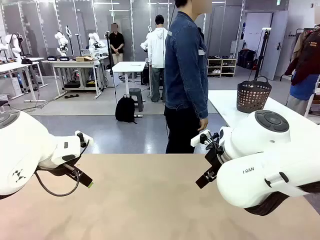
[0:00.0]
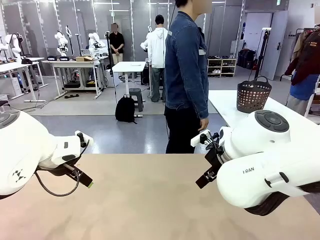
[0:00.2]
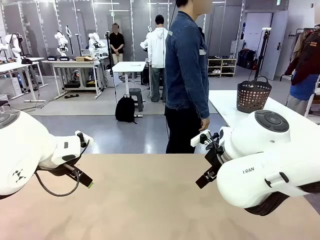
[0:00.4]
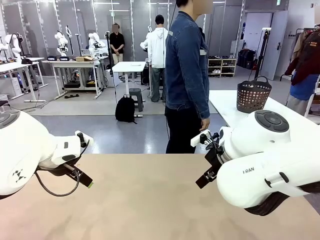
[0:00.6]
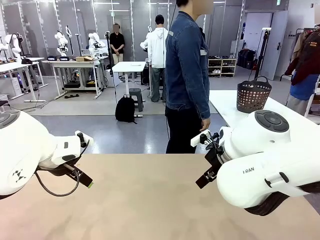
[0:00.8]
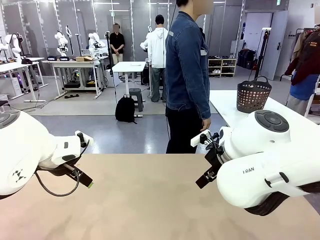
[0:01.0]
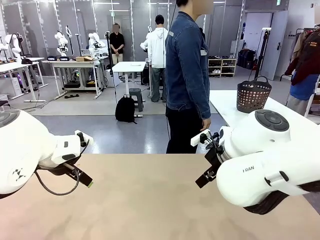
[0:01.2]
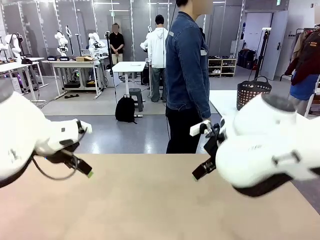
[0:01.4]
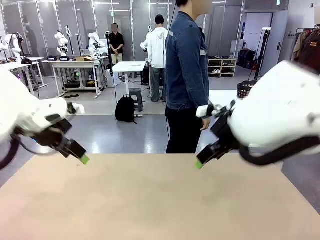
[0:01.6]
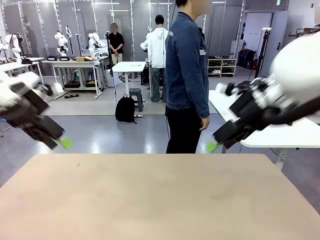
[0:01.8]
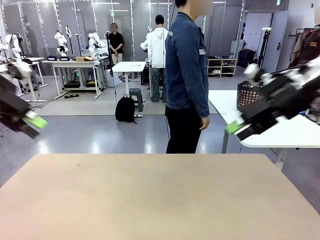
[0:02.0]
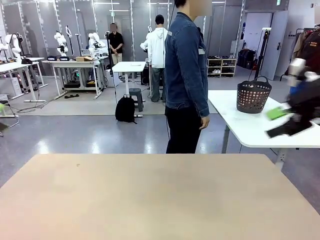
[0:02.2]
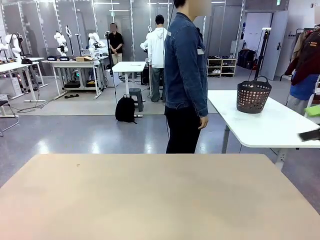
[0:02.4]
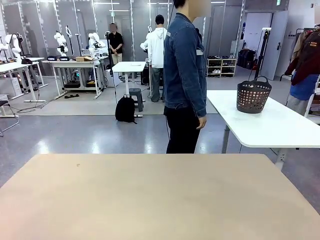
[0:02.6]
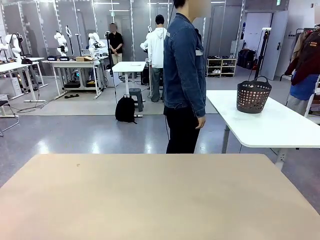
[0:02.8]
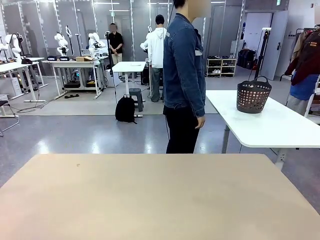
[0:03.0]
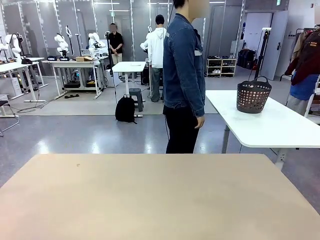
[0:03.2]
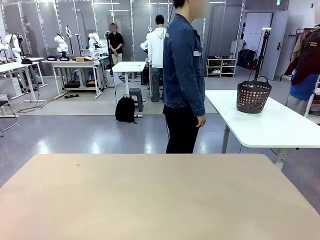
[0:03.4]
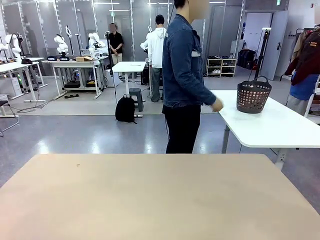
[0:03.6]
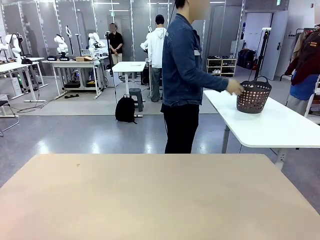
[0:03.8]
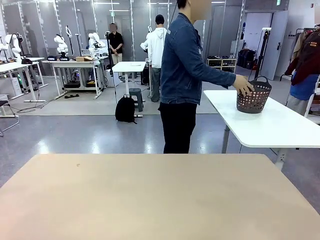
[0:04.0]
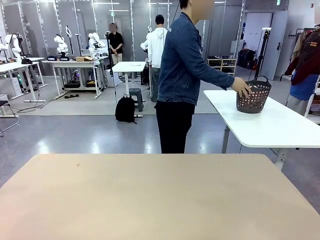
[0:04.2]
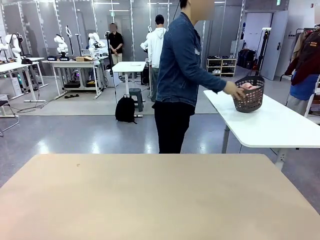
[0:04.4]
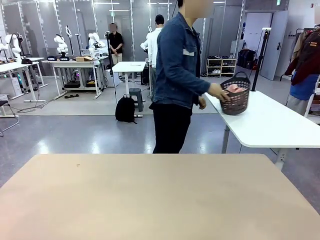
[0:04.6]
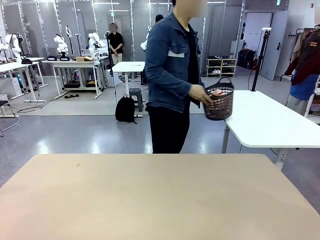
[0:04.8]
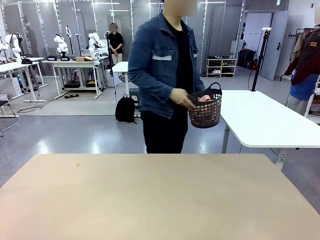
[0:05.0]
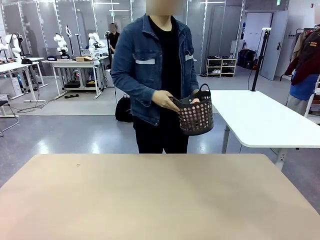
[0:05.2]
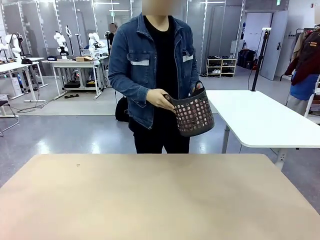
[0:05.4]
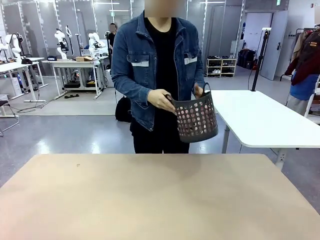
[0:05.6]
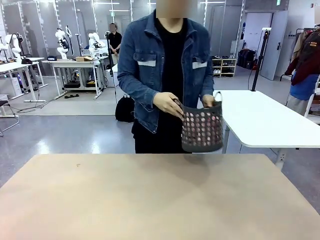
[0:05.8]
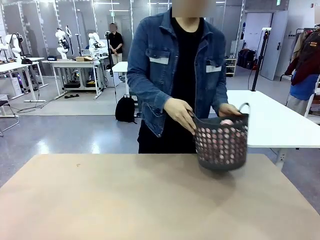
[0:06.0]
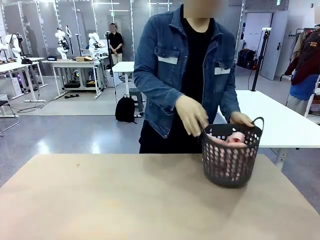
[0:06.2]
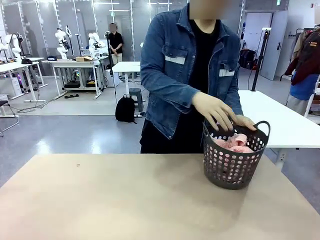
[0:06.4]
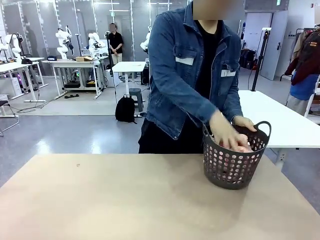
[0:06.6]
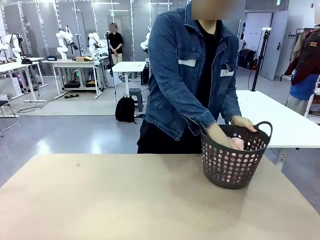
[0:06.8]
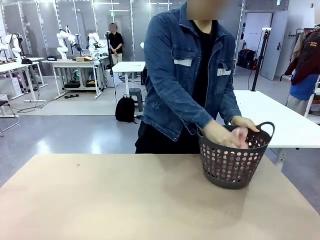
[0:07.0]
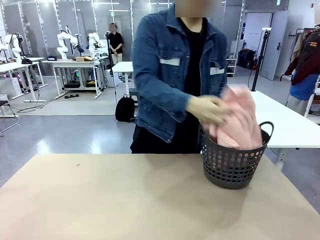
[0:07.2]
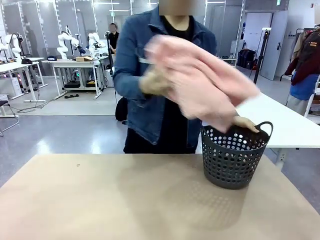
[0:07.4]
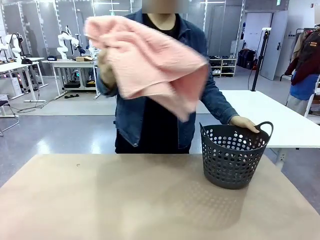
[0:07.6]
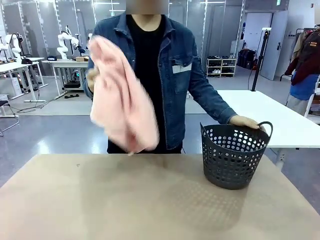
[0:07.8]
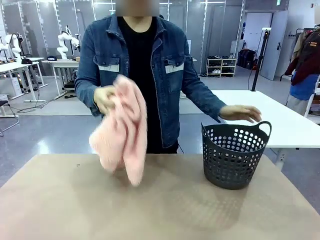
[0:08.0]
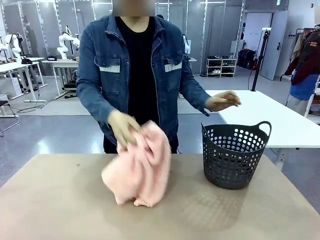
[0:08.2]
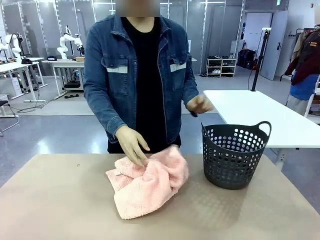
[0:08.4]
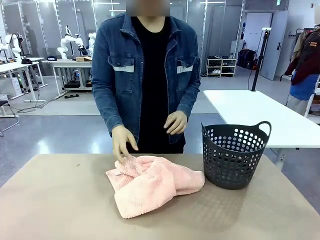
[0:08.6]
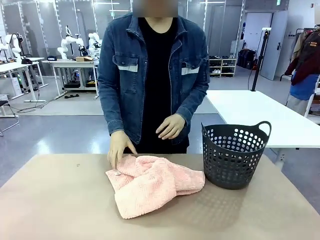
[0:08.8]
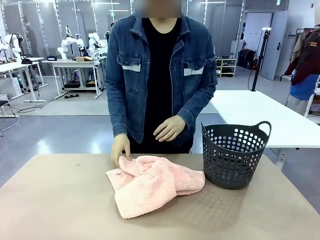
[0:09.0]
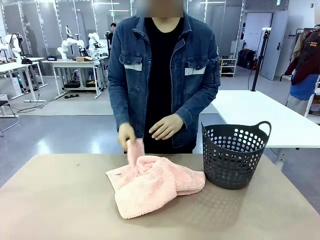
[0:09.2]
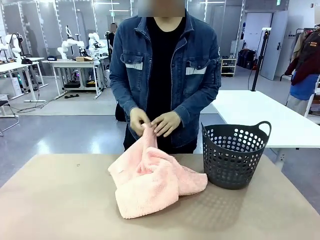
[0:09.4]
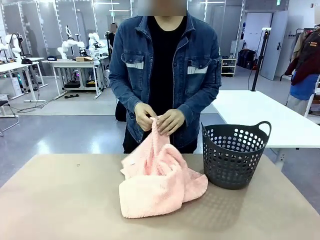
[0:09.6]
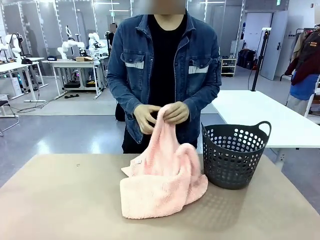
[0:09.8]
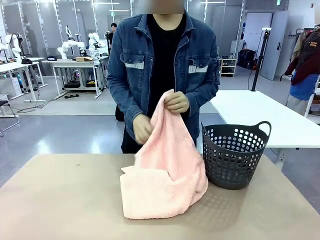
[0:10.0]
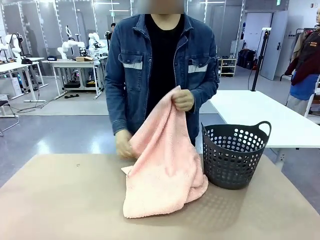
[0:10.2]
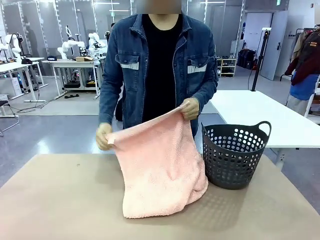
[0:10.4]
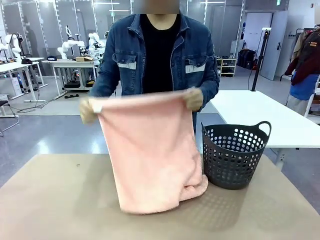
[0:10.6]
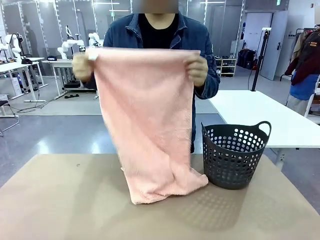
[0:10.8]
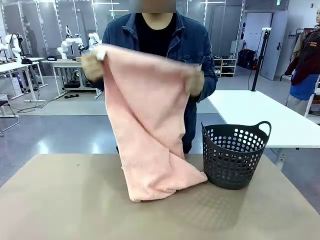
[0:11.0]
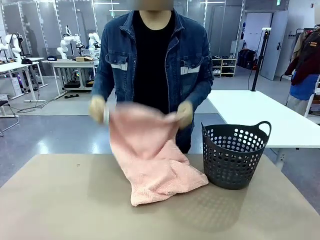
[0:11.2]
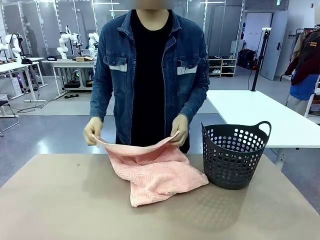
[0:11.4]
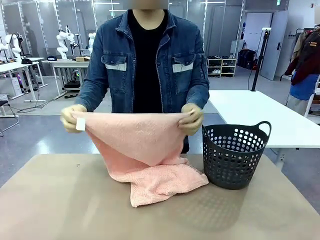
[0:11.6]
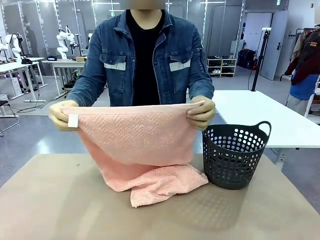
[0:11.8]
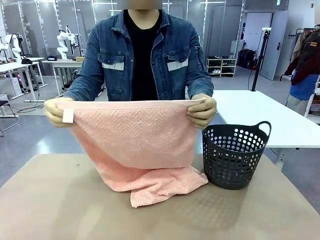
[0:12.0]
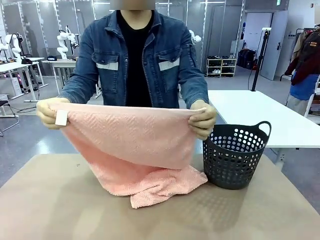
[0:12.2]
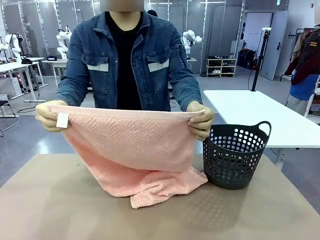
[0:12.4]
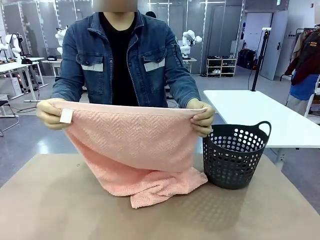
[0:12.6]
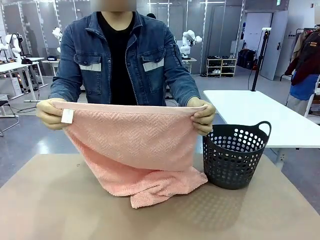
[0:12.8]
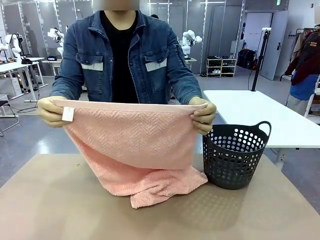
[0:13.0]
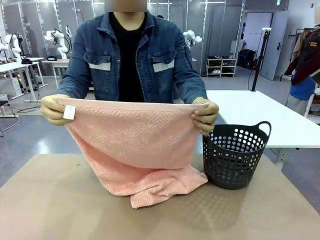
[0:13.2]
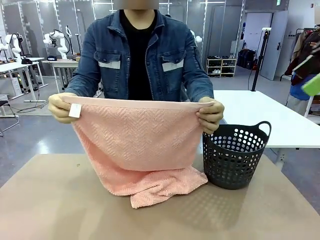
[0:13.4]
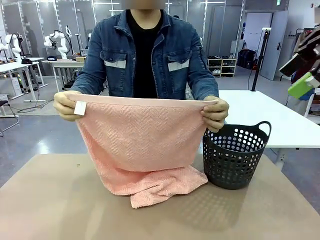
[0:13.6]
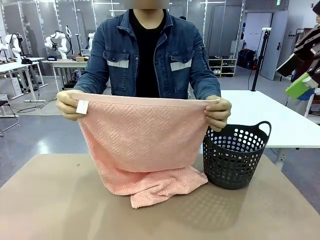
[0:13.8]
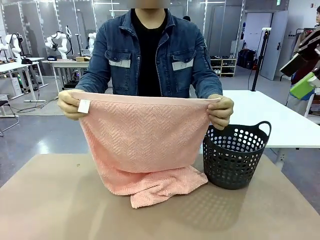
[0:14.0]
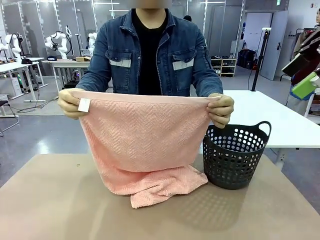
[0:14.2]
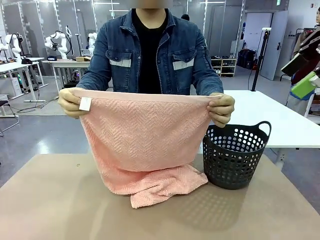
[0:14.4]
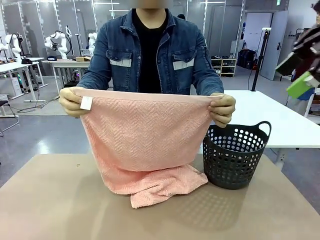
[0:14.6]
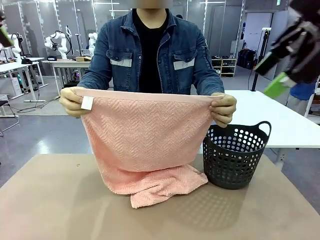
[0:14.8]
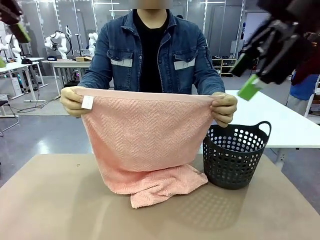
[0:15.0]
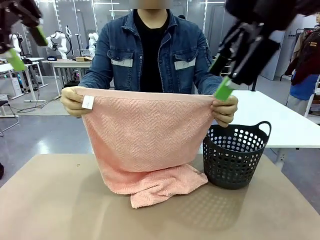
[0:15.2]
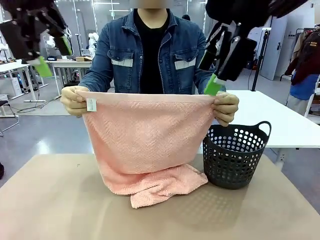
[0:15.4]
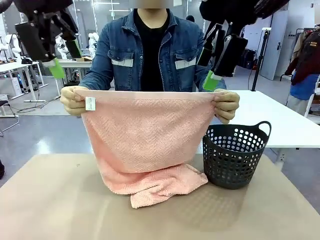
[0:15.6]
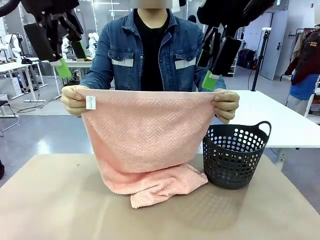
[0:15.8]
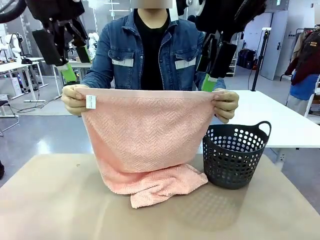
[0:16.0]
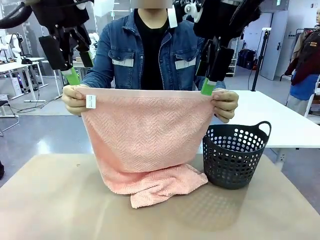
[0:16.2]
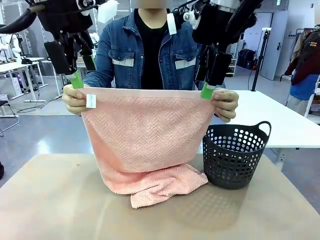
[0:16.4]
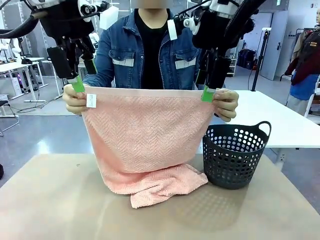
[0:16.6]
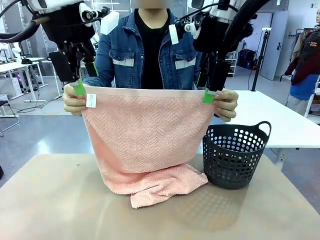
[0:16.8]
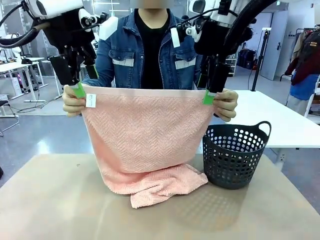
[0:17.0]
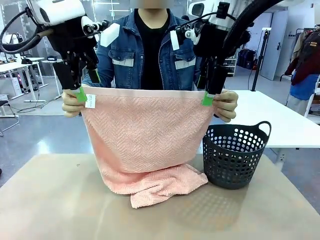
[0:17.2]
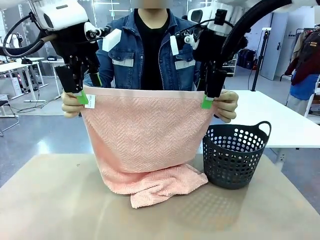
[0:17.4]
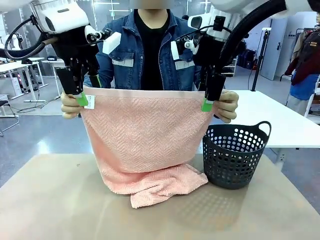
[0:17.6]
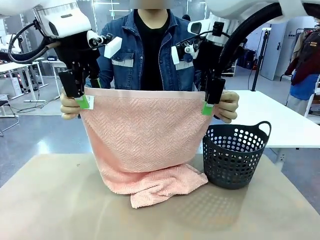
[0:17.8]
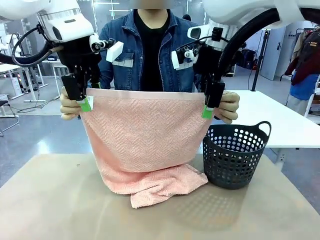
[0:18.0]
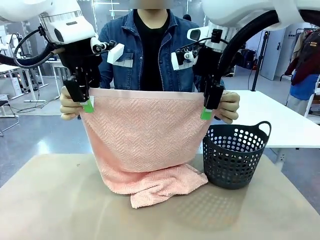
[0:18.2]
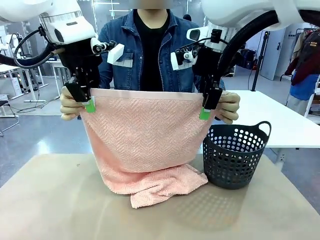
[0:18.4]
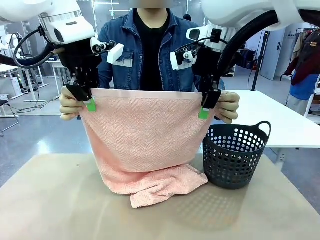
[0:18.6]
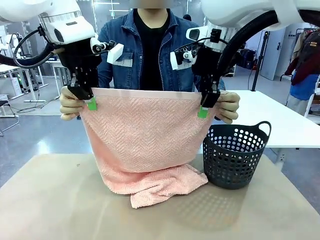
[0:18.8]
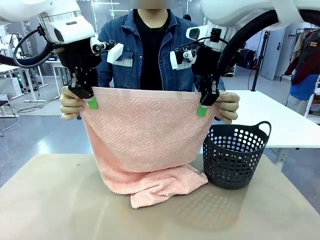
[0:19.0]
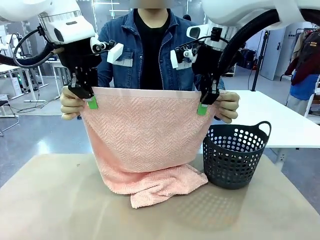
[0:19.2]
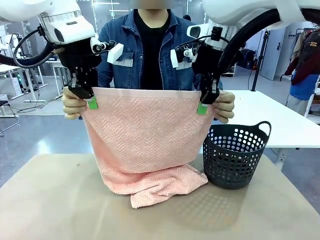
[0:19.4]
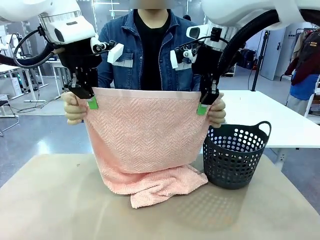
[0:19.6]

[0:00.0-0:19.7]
Task: Fold the towel.
Robot: Grab the top end of the 100 cm Hotel Towel extended by the human.
Person: Pick up the laundry basket, place it on the left side of the robot table, then take out a towel and hand it to the robot while holding both corners of one end.
